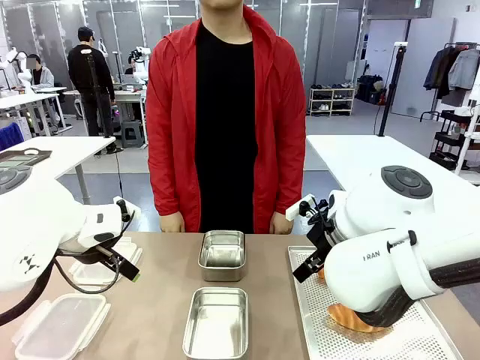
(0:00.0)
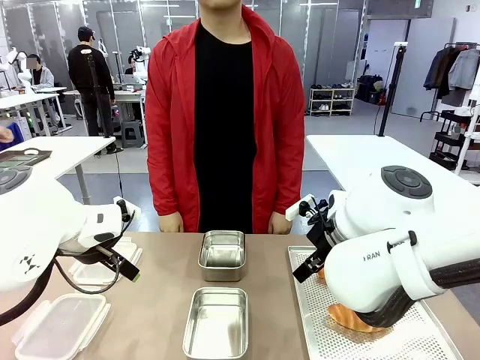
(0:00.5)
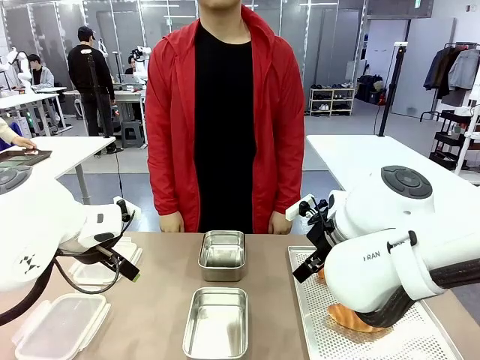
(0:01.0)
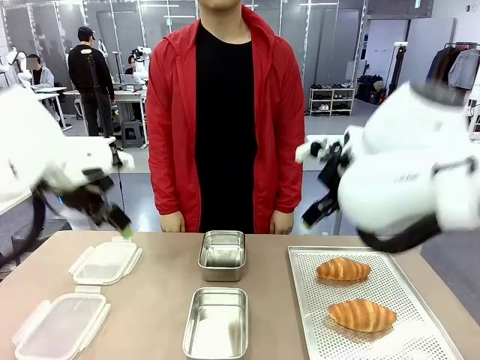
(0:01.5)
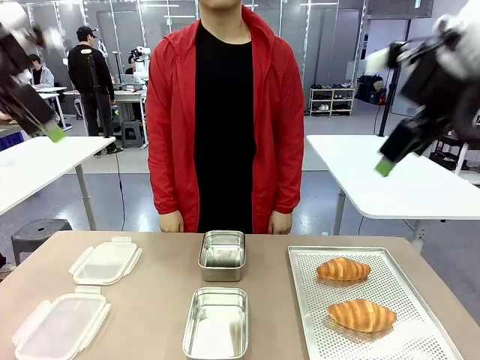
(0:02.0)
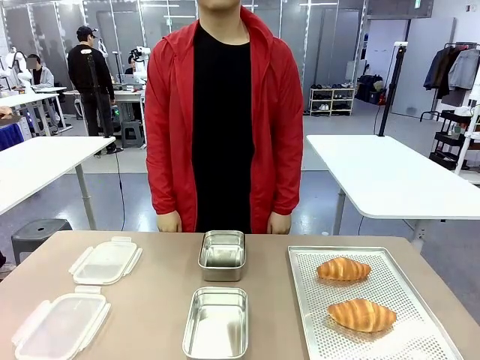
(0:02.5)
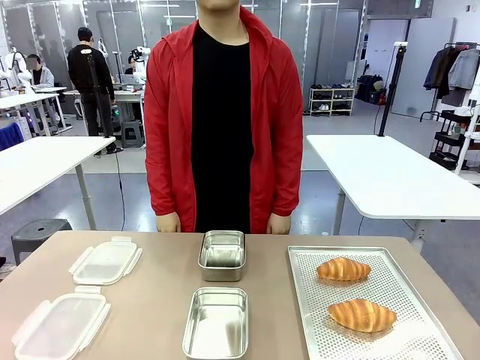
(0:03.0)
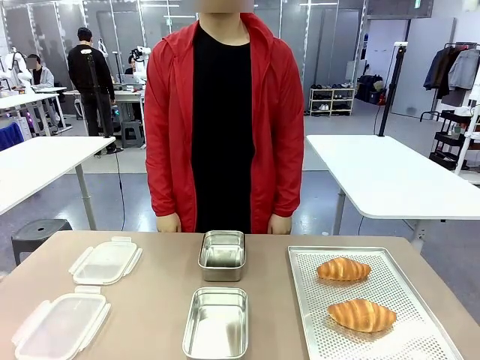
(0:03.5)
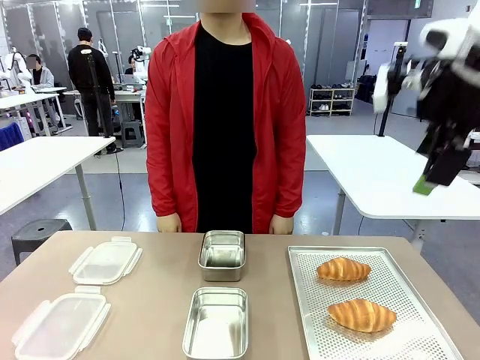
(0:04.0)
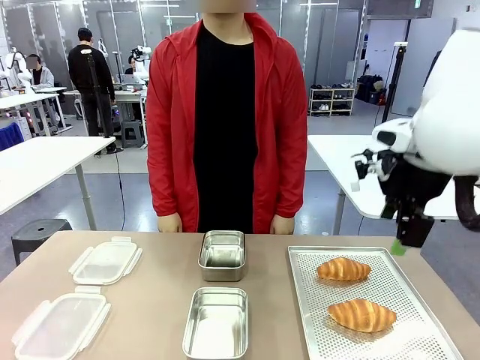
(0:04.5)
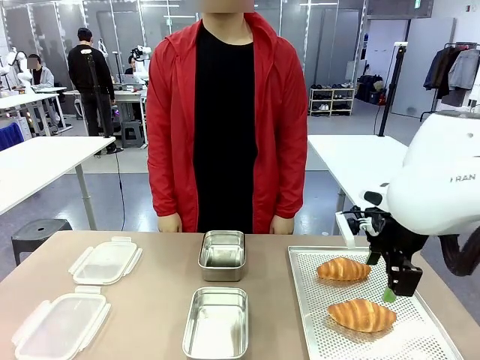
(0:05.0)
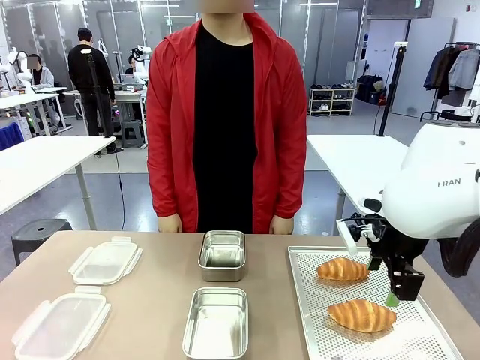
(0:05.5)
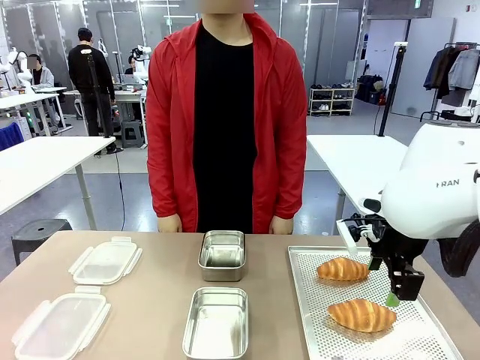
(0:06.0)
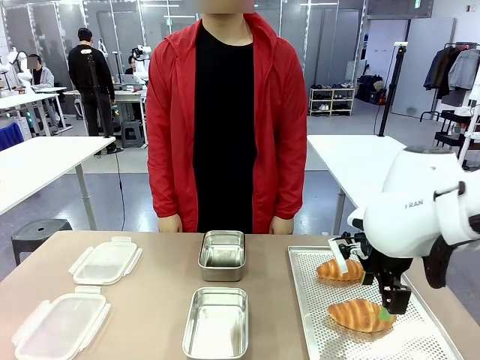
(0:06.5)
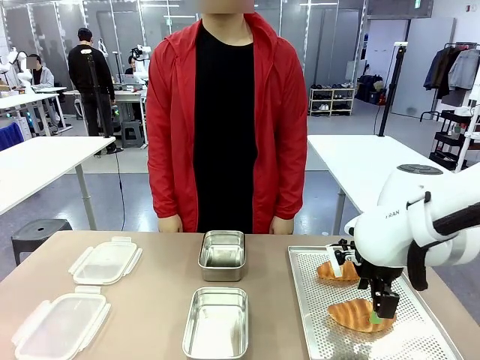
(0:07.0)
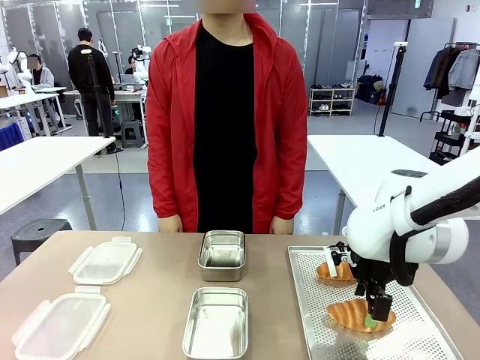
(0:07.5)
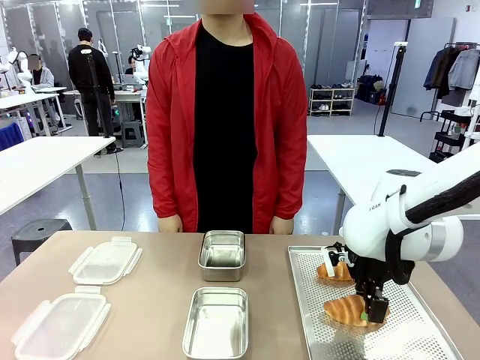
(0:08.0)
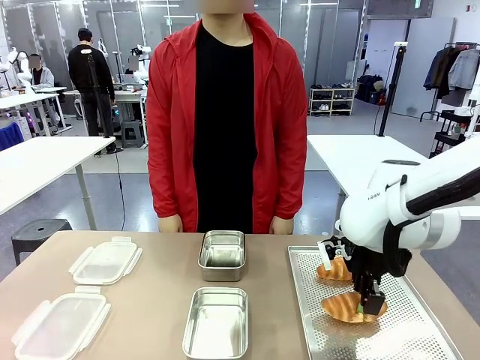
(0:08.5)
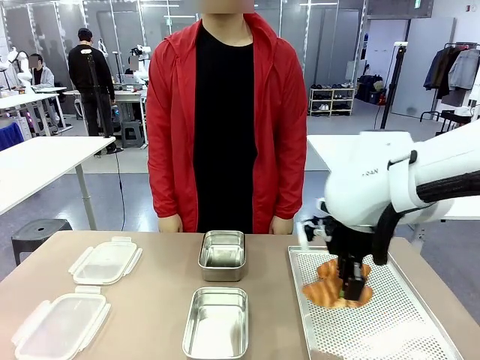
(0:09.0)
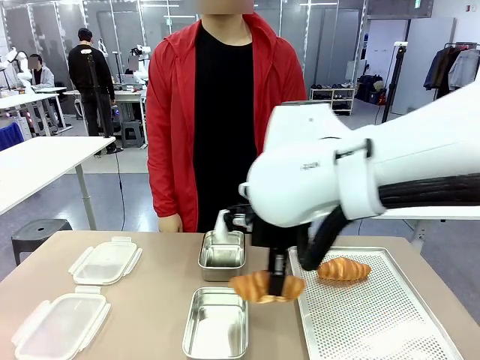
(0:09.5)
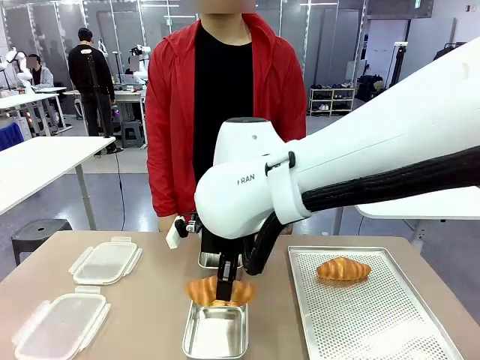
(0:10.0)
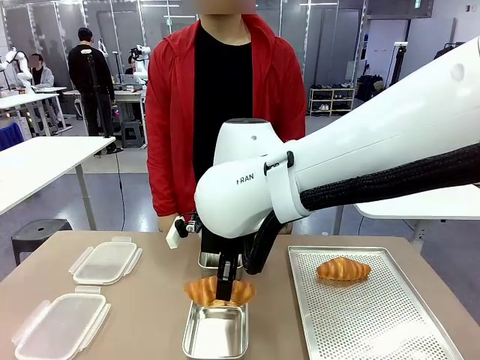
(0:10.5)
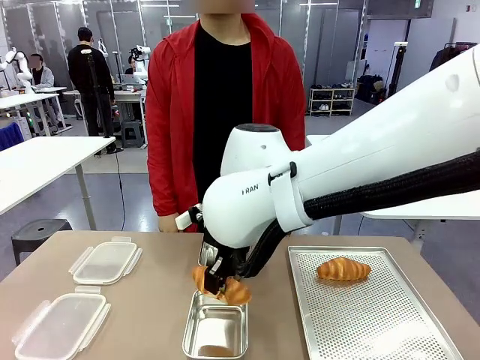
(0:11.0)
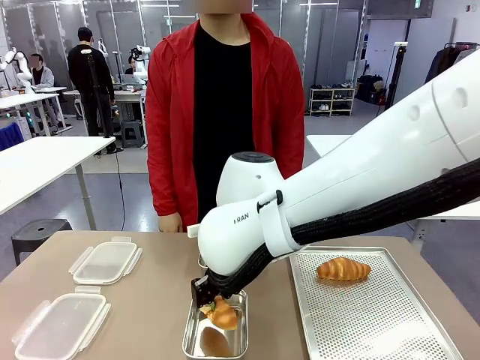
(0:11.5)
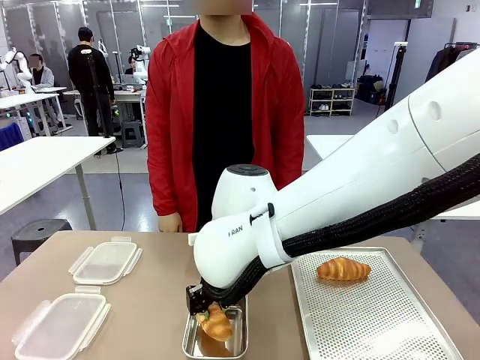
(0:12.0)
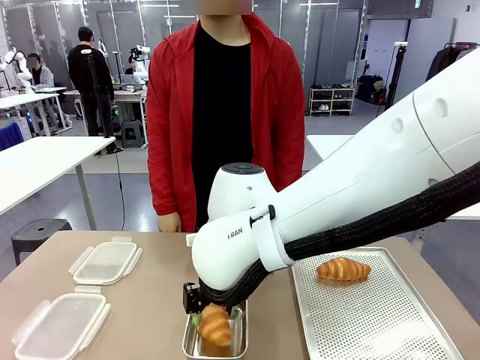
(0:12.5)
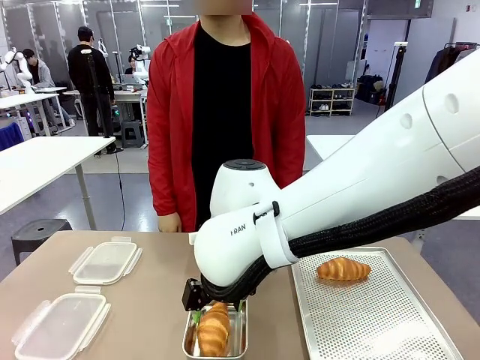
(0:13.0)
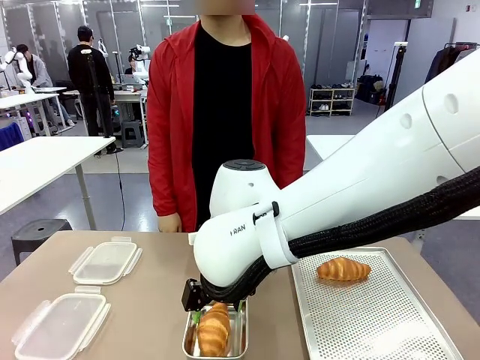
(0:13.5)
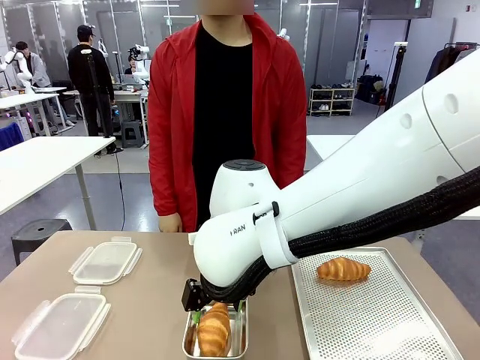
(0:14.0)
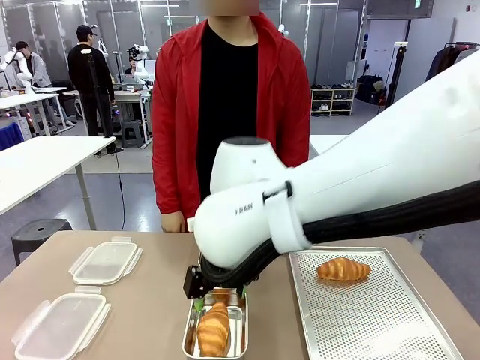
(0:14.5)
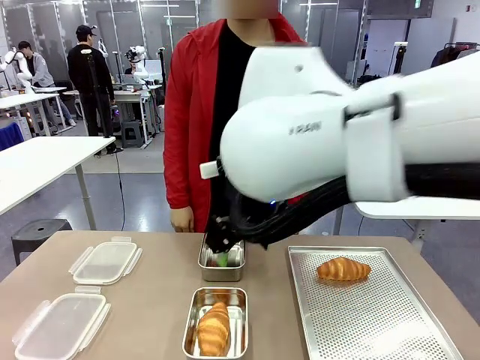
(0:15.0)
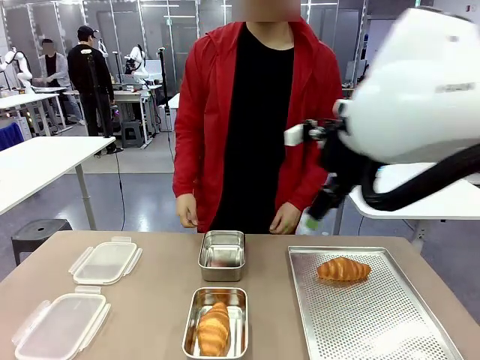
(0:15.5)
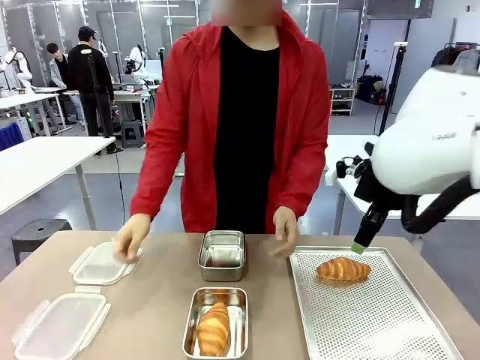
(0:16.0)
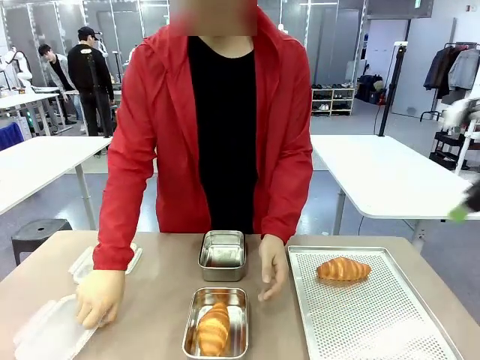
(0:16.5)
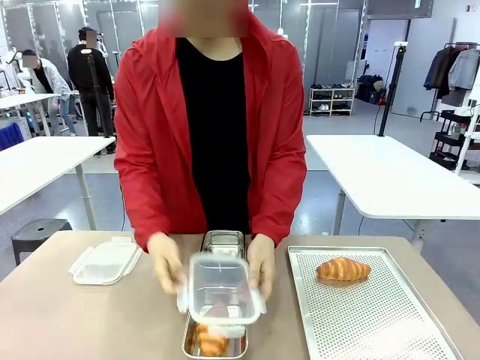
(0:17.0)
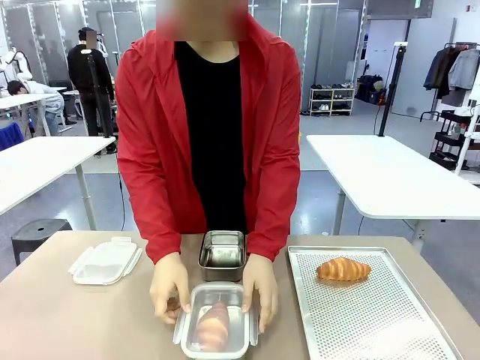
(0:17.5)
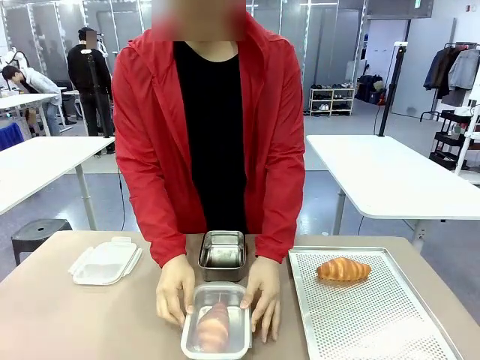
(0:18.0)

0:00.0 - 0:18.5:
Task: Place the bread into the airtight container.
Robot: Pick up a Butter Roll and place it into an empty Airtight Container.
